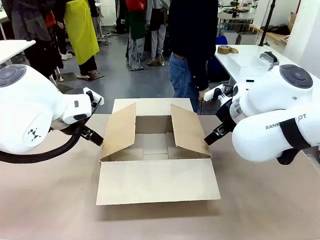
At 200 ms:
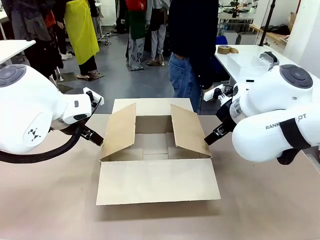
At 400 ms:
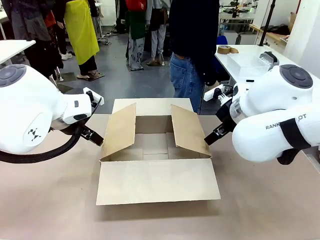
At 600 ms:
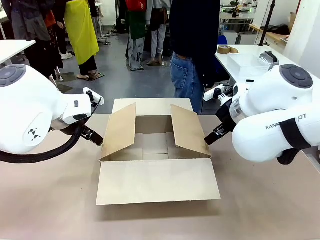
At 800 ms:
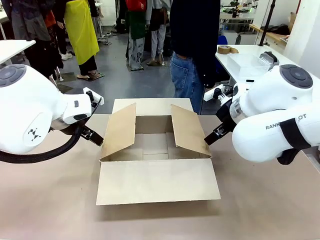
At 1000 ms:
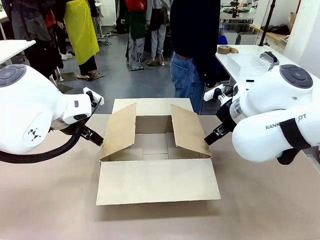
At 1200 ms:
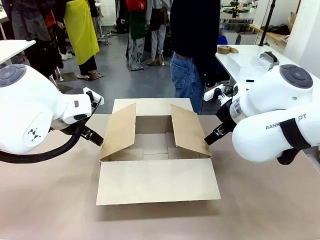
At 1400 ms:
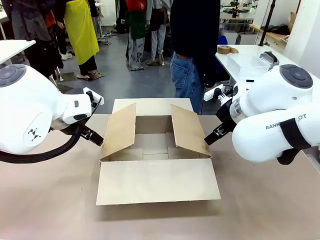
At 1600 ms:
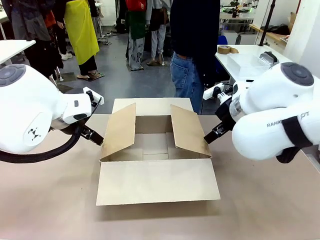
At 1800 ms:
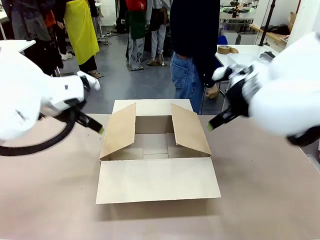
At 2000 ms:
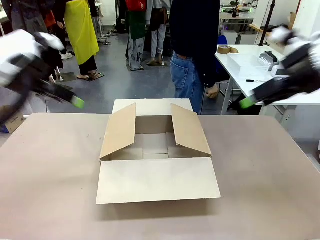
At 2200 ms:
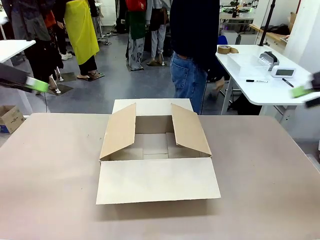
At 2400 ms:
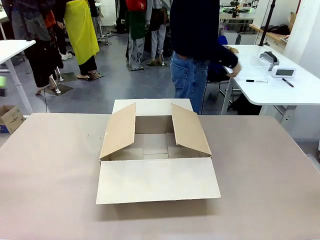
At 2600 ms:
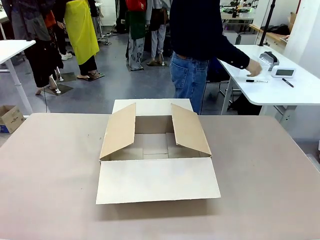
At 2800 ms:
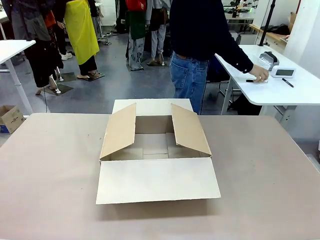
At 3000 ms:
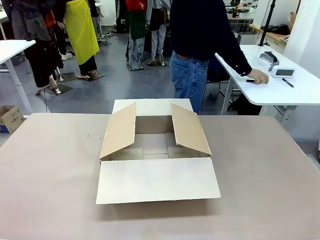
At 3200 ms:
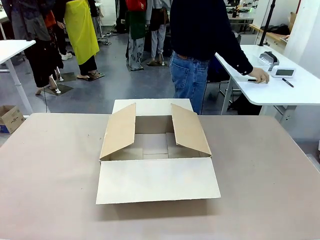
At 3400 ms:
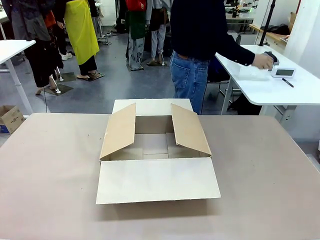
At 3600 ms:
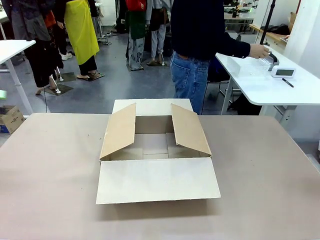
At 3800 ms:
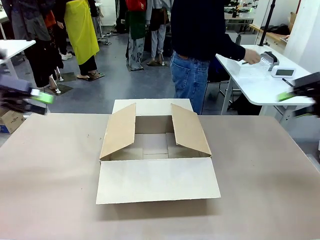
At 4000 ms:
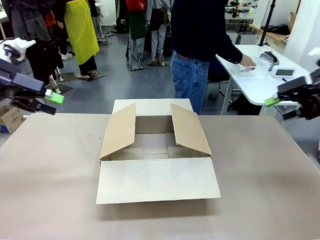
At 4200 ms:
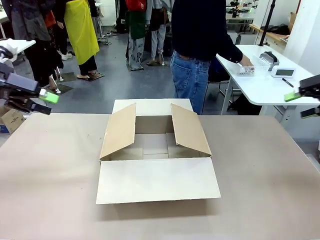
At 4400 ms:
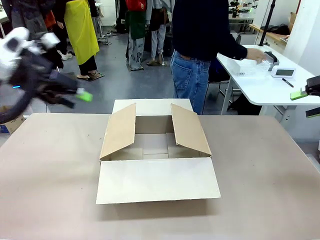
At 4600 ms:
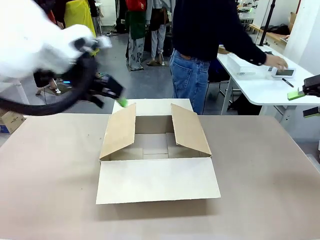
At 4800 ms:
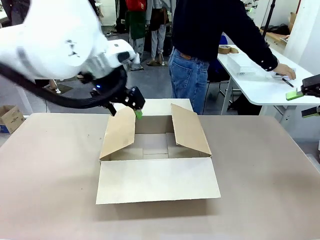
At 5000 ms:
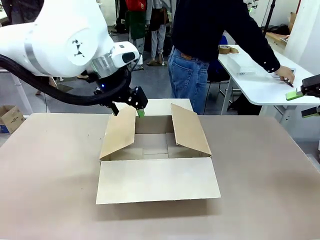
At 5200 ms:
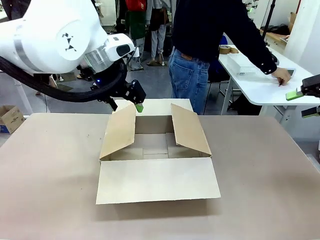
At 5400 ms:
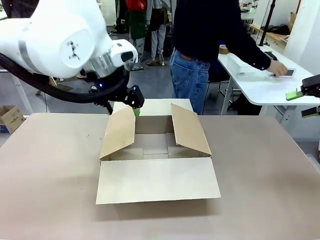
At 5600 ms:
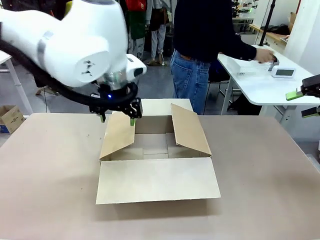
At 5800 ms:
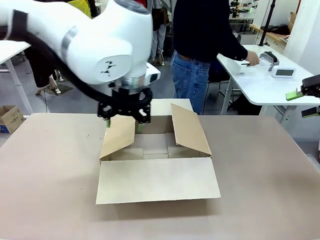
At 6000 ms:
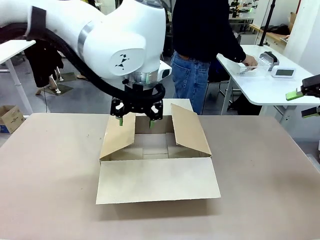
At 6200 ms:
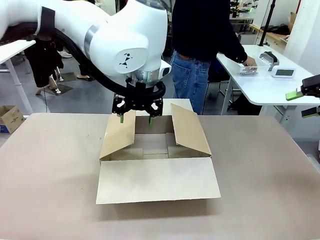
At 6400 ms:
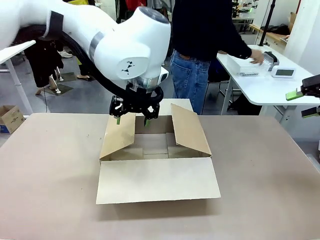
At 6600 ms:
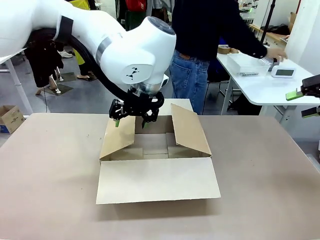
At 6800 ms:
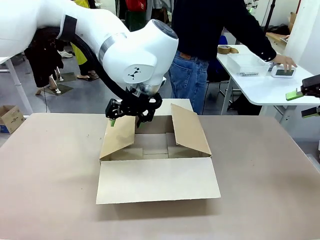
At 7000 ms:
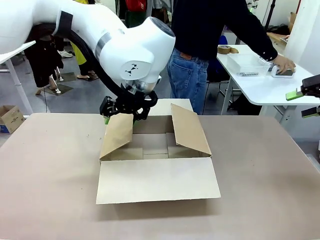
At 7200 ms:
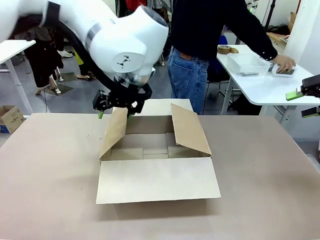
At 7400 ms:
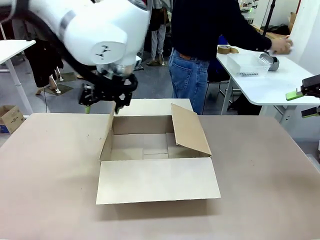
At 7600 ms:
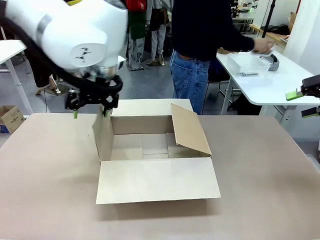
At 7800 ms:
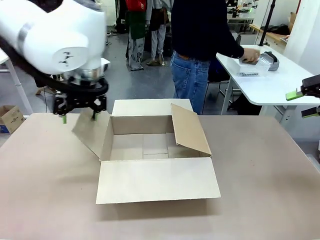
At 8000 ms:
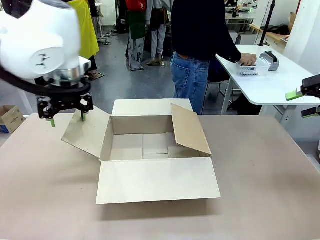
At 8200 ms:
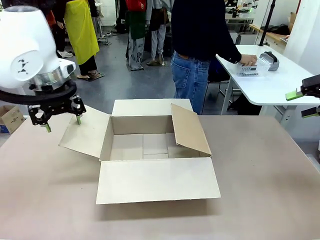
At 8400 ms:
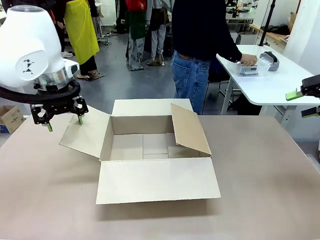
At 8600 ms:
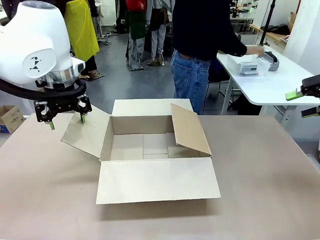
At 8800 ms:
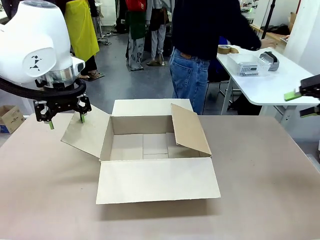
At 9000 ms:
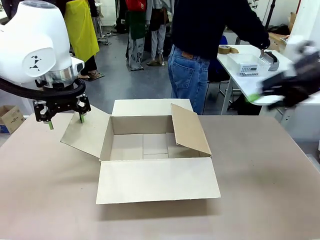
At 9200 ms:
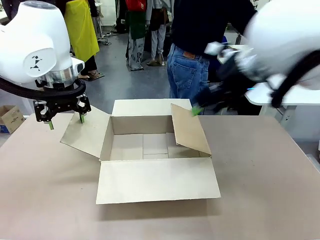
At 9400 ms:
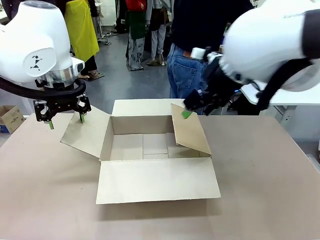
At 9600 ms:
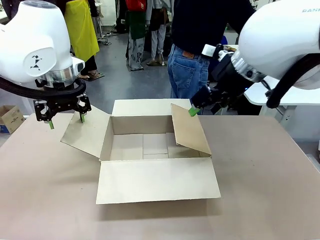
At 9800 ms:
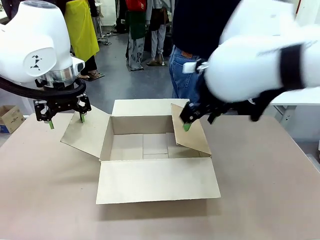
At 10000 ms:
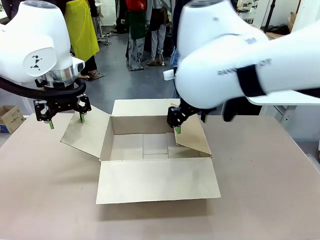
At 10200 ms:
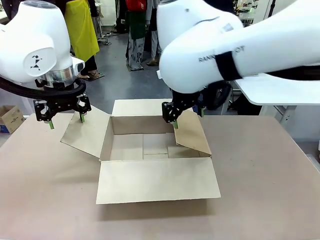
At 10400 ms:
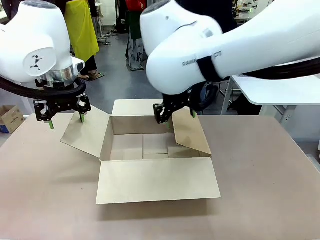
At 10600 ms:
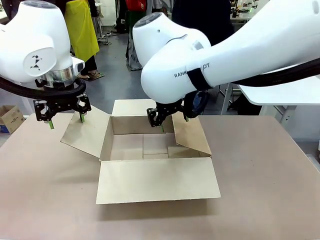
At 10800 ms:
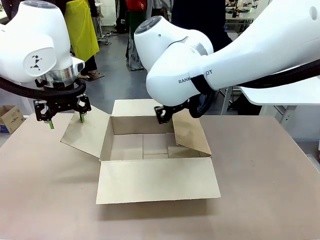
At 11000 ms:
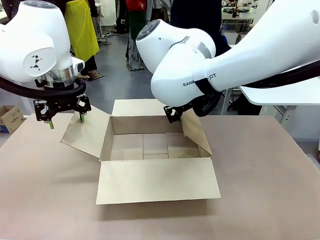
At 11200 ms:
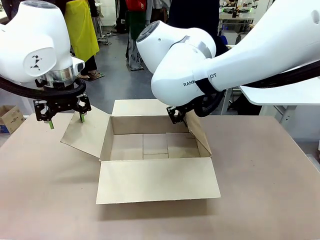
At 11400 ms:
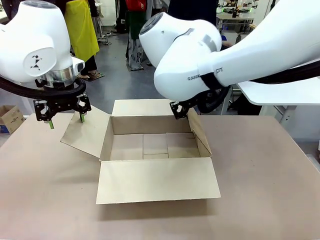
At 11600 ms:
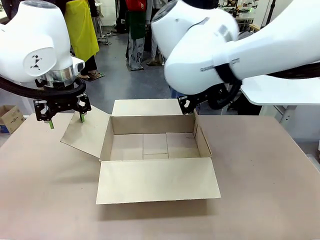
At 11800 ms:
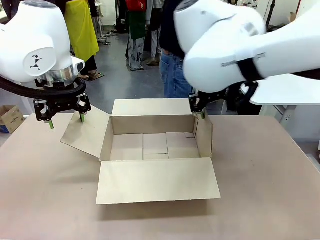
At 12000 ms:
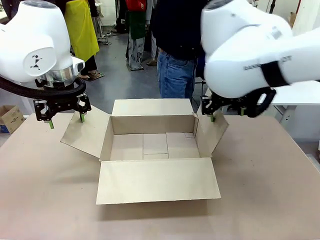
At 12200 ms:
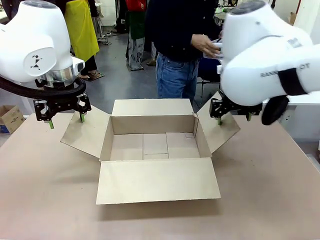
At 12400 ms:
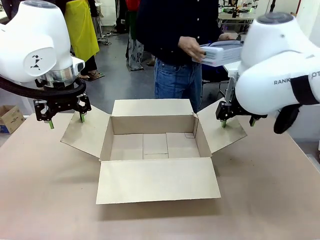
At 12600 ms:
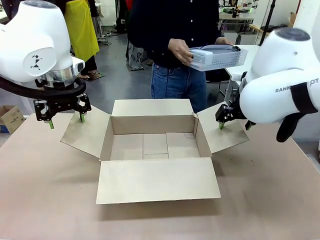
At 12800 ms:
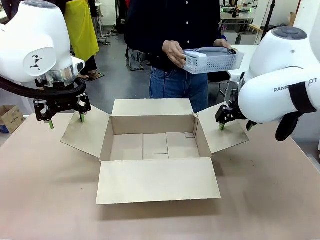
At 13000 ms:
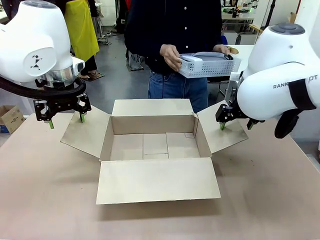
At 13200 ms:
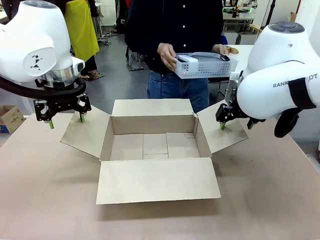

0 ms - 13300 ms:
Task: Pack the gift set into the box.
Robot: Place both hands on the side flaps of the Package Box and spread them outward.
Person: The human places all items except the paper tape into the organizing basket.

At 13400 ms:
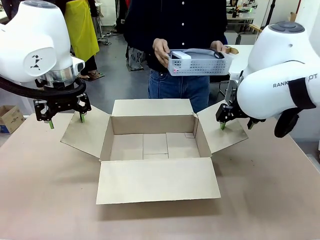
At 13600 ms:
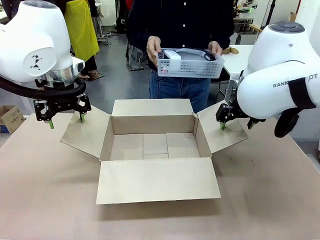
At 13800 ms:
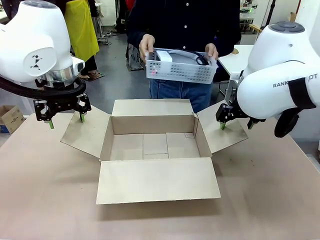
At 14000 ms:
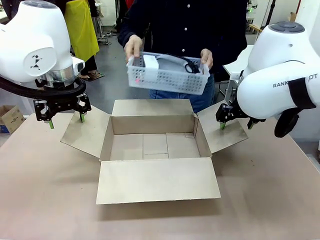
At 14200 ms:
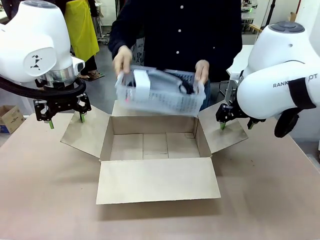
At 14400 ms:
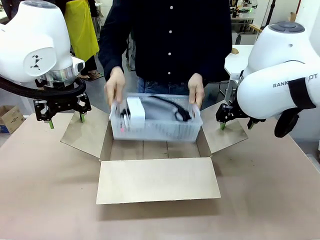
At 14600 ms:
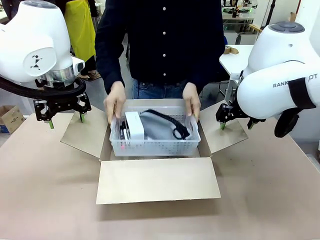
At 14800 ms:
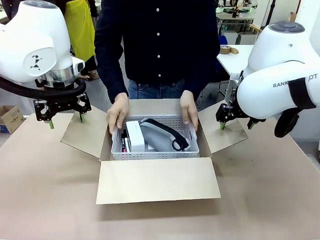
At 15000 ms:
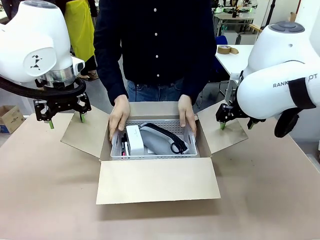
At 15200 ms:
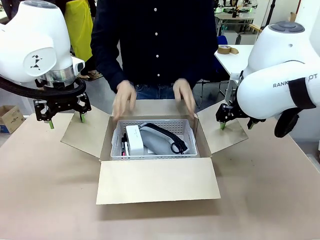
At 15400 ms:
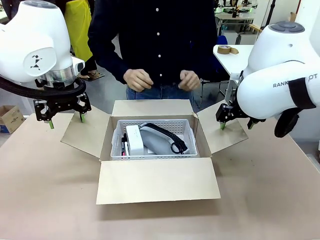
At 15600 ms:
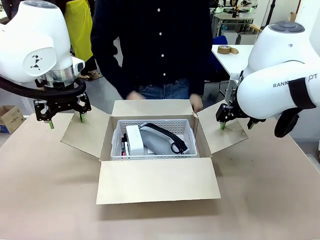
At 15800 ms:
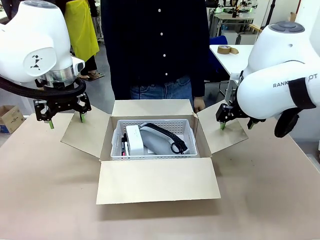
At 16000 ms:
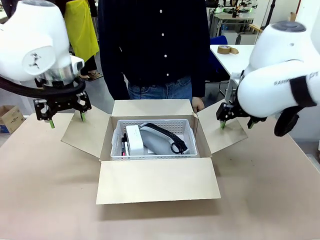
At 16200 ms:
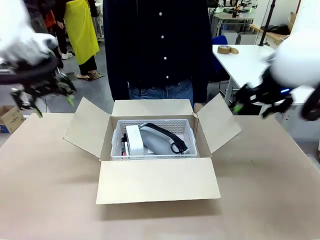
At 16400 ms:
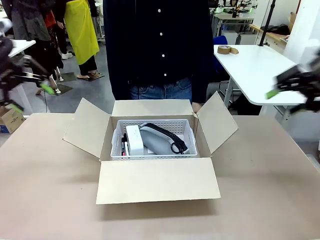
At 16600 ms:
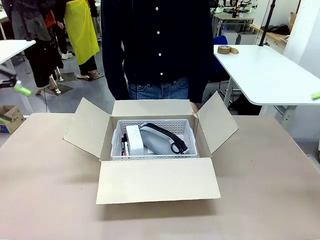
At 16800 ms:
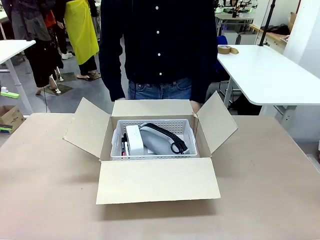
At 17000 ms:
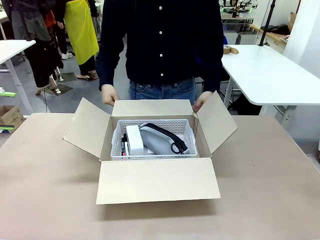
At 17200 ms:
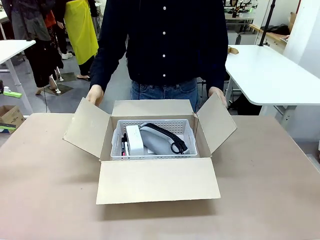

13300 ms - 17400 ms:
Robot: Lift both hands away from the flaps of the Package Box.
Person: The human picks up the organizing basket and places the organizing basket into the package box on the robot table.
